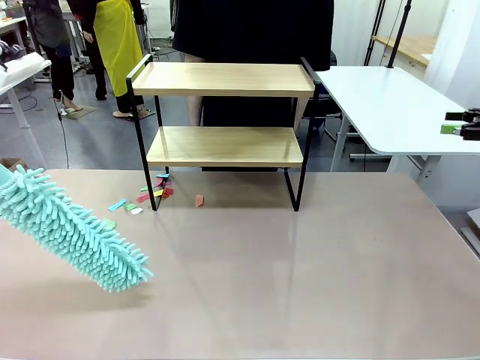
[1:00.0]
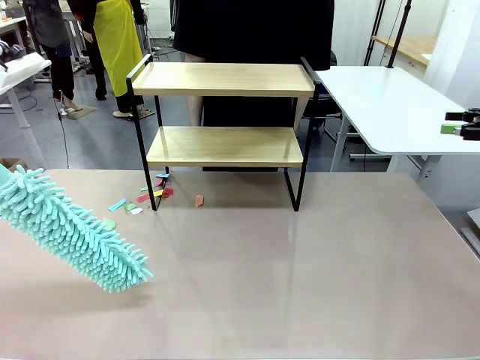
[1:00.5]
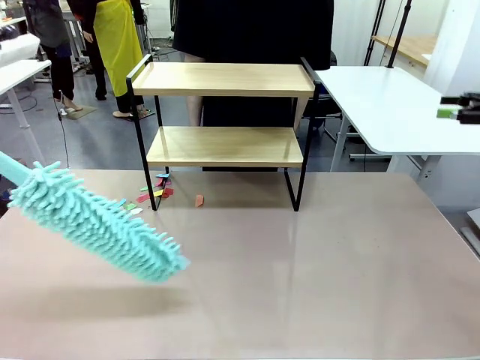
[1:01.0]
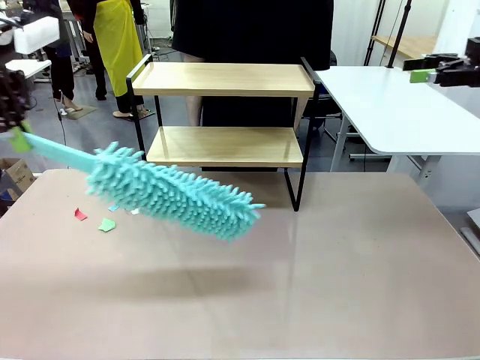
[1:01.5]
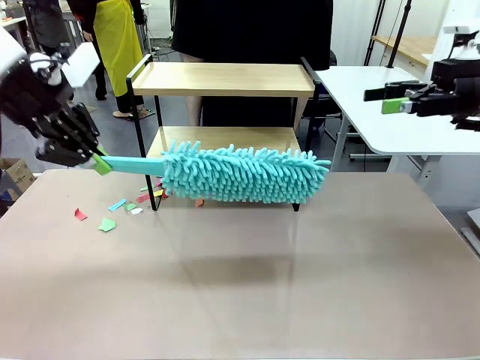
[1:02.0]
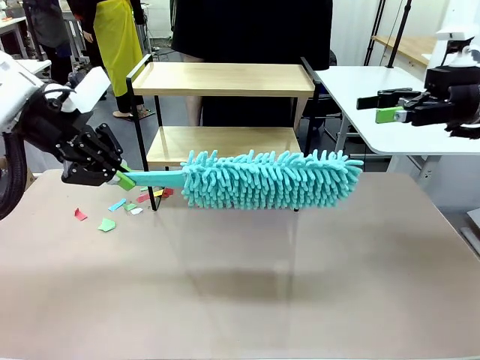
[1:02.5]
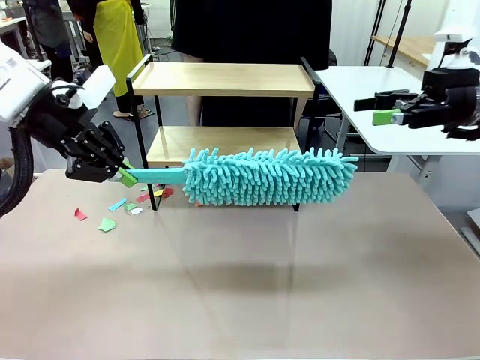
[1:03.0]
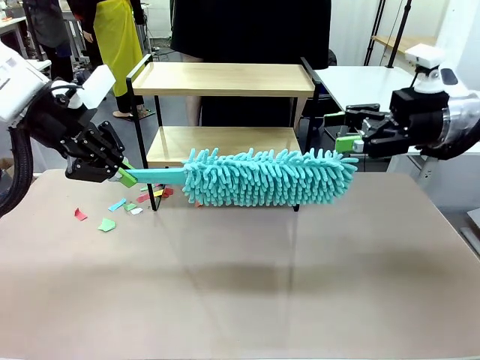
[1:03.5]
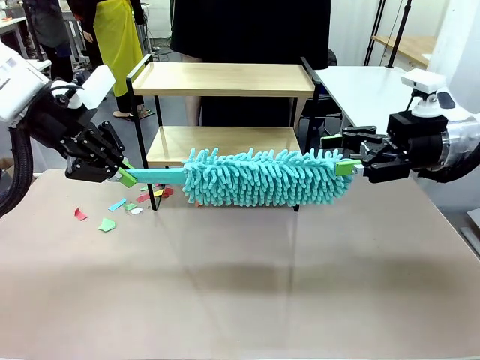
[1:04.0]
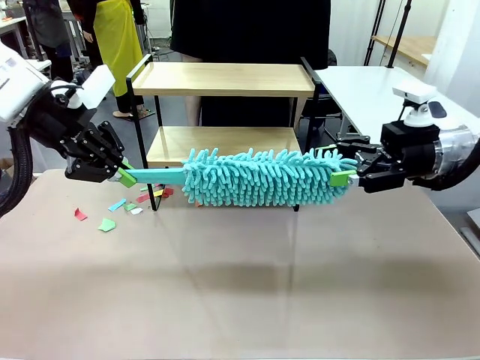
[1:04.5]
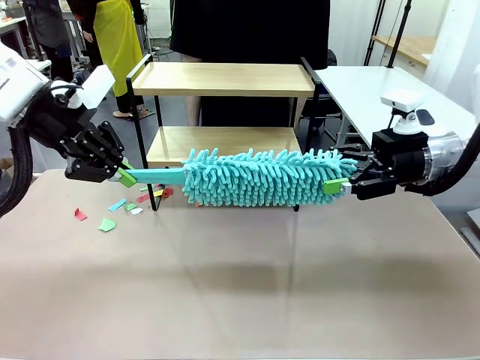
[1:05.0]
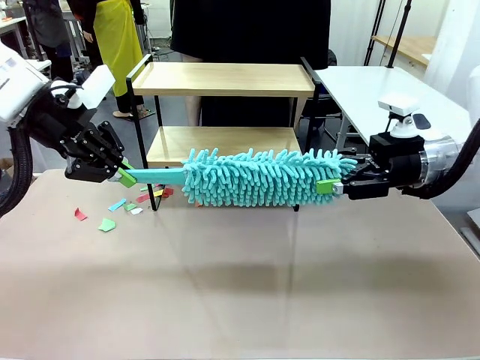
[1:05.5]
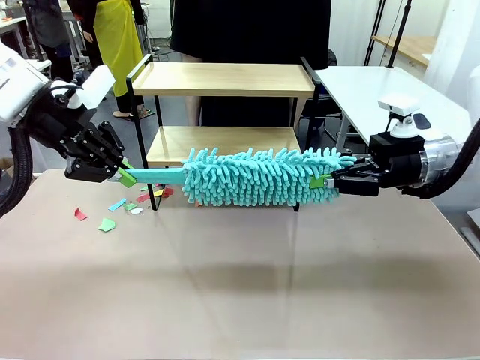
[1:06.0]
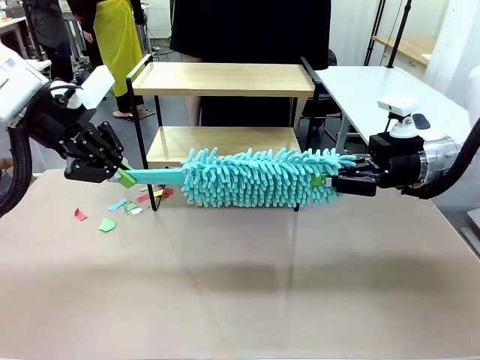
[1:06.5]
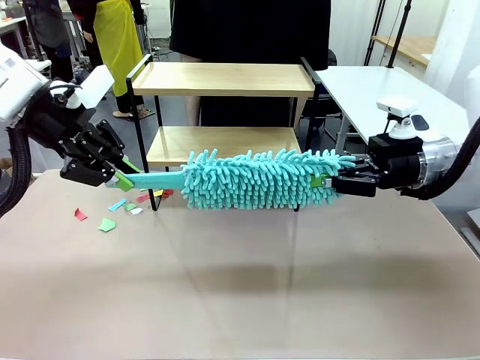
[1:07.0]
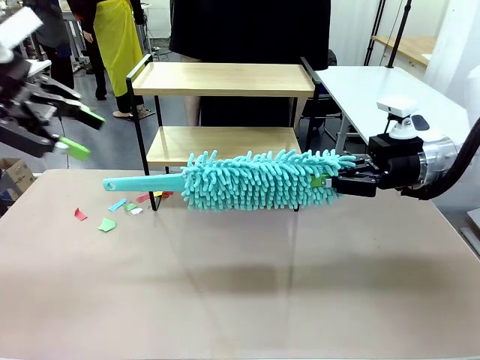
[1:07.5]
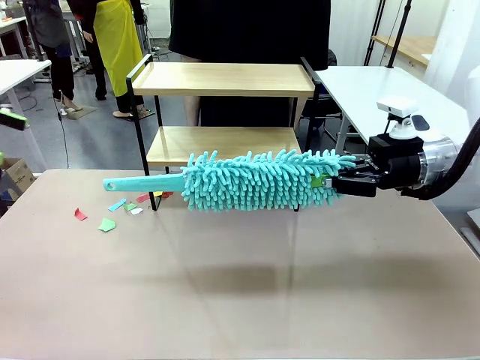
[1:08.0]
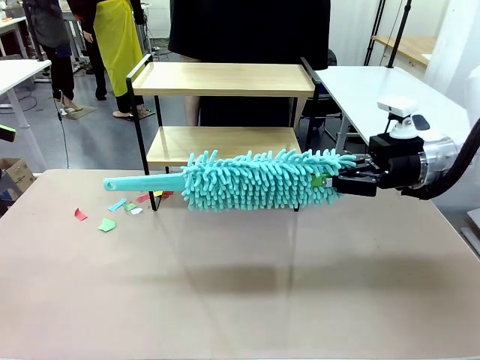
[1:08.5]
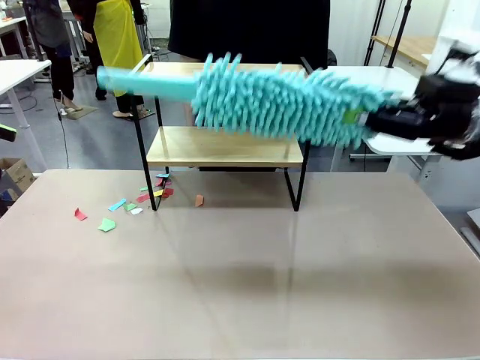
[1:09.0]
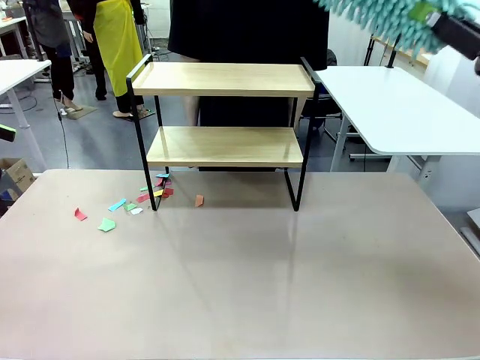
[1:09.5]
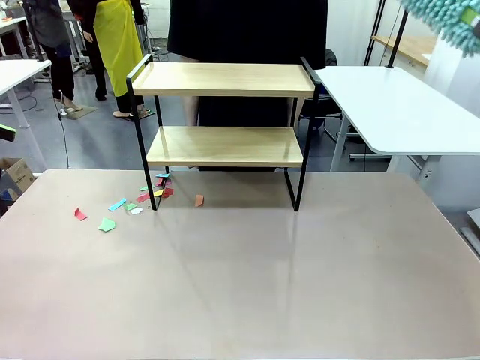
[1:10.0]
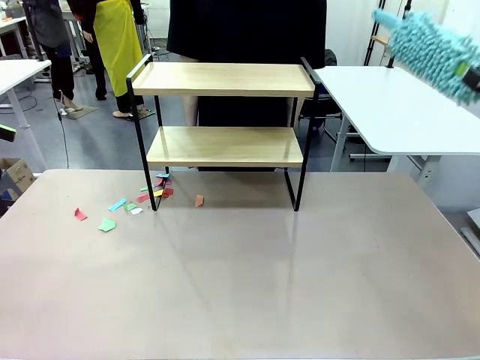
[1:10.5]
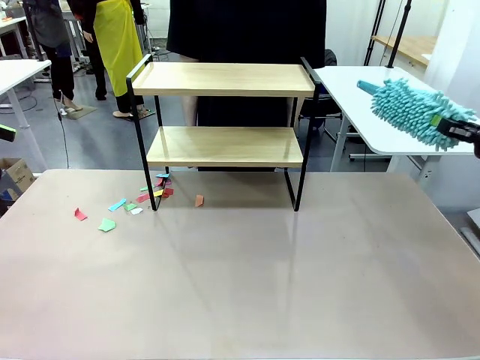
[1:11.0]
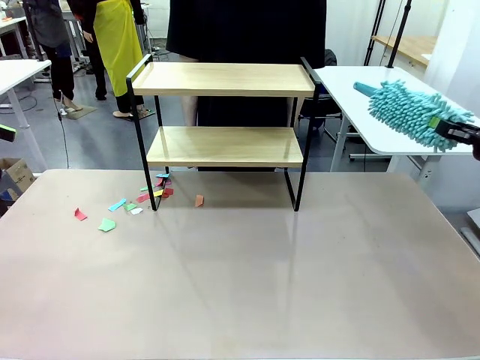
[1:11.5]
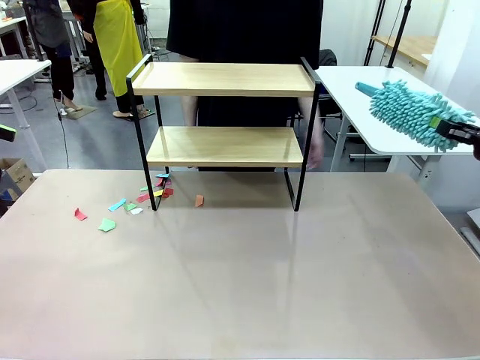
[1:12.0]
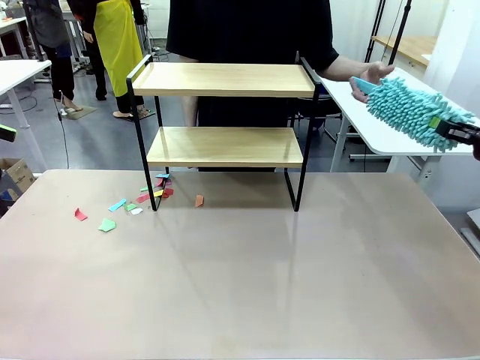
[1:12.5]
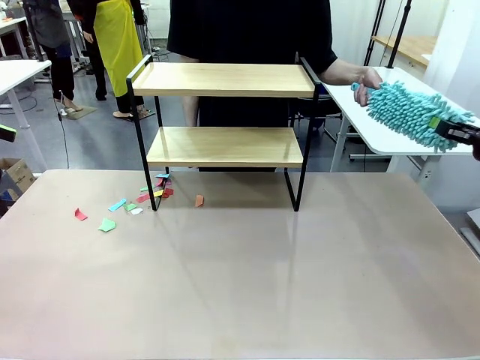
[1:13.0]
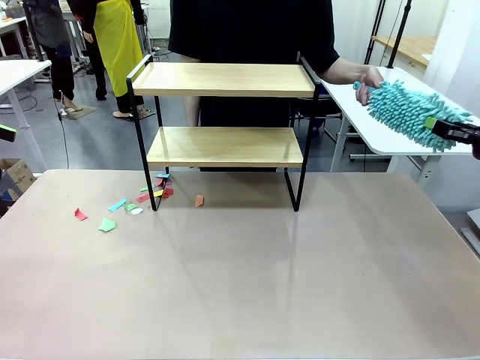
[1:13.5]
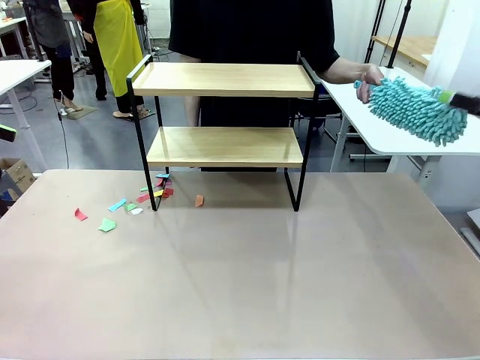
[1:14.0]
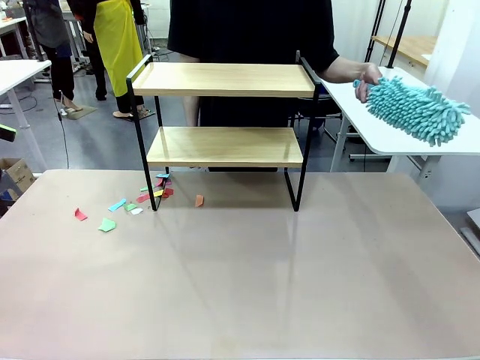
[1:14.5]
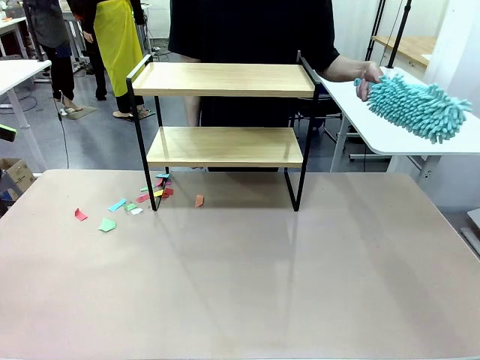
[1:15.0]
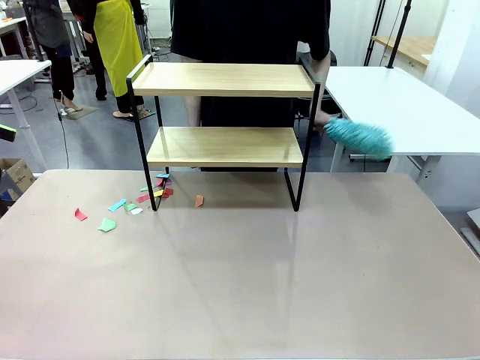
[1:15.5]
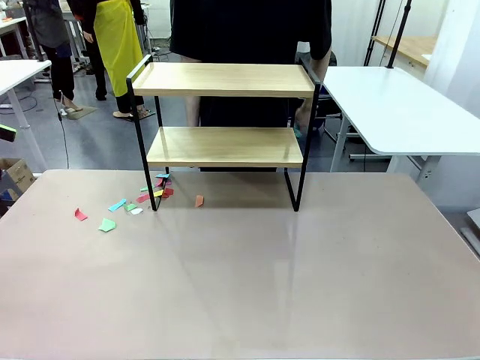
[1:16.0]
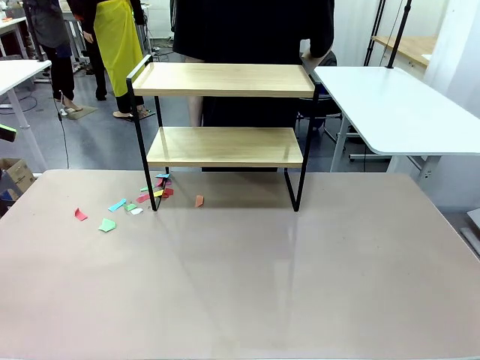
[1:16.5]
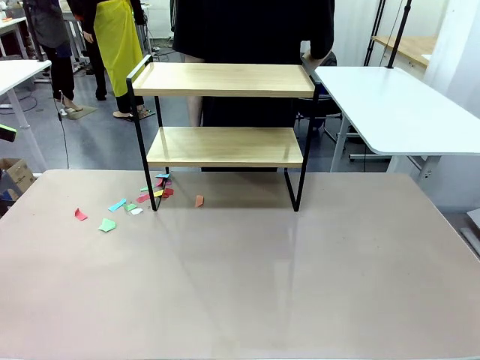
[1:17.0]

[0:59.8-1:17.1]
Task: Clean the shelf.
Robot: Hand the Duster back to the human.
Person: Receive the Duster from the robot.

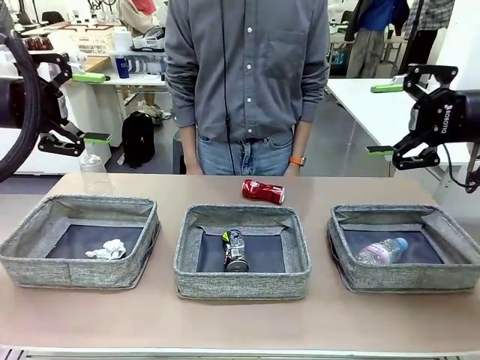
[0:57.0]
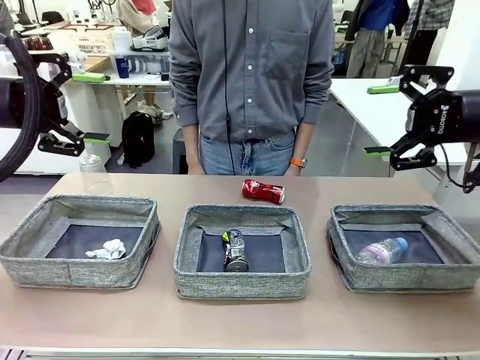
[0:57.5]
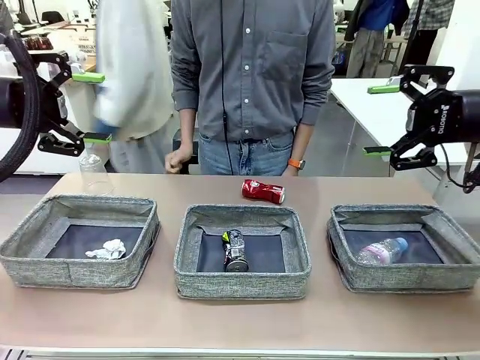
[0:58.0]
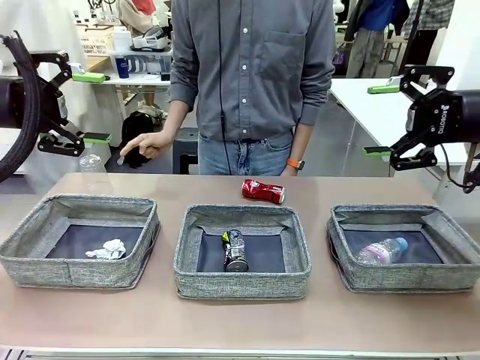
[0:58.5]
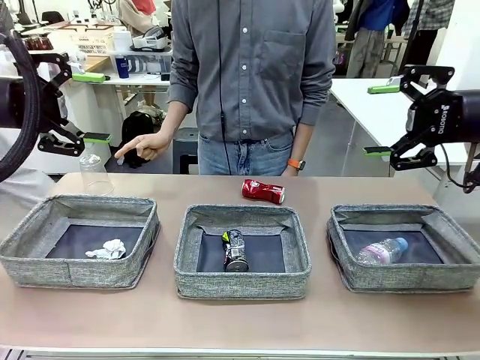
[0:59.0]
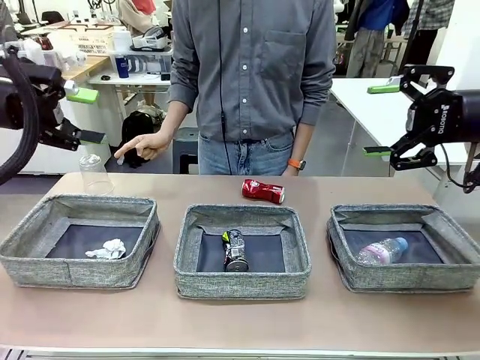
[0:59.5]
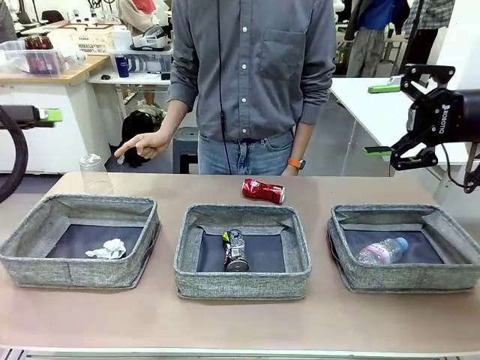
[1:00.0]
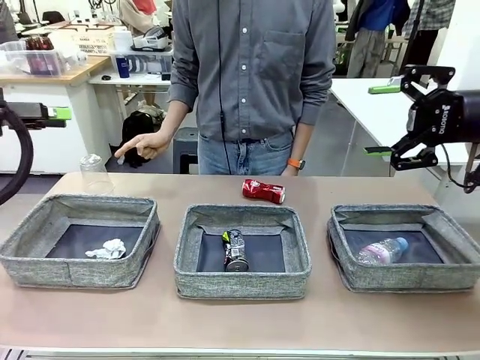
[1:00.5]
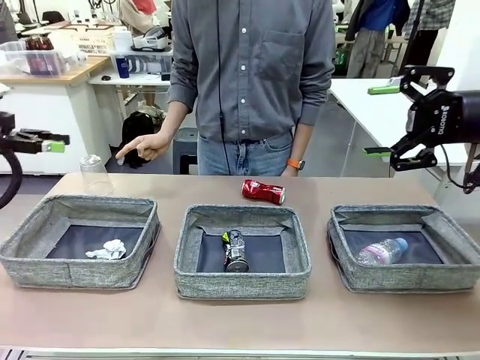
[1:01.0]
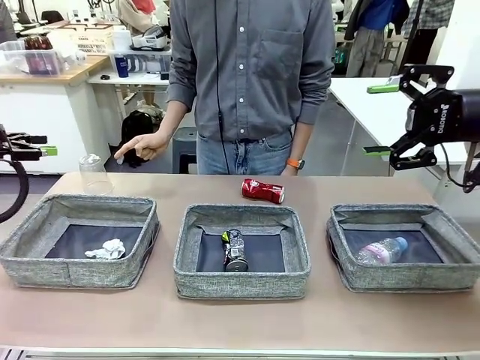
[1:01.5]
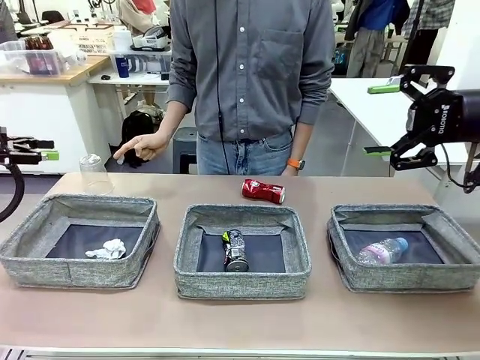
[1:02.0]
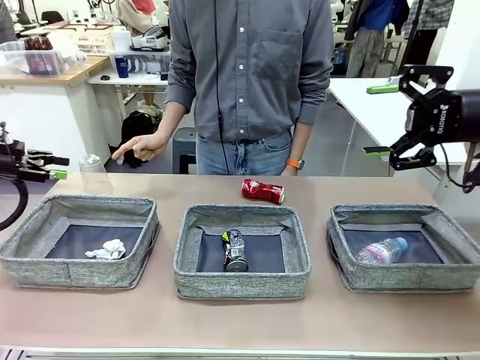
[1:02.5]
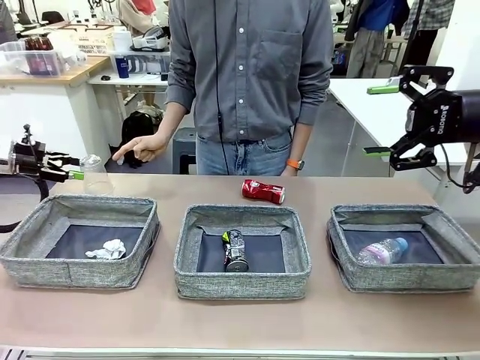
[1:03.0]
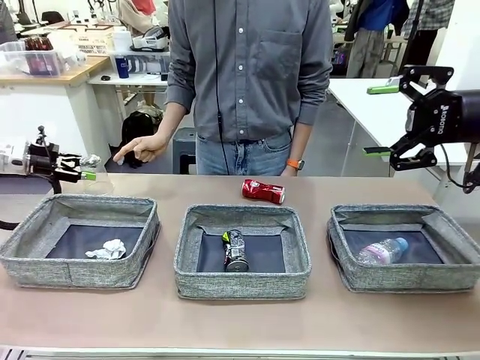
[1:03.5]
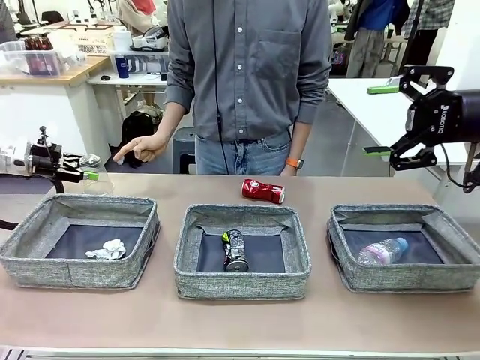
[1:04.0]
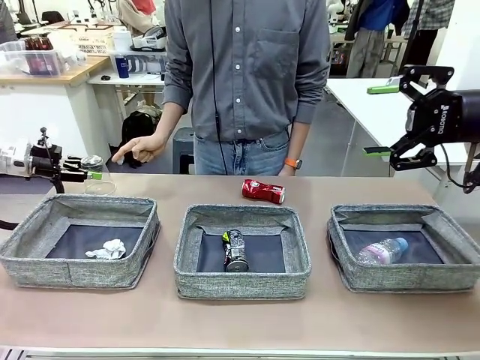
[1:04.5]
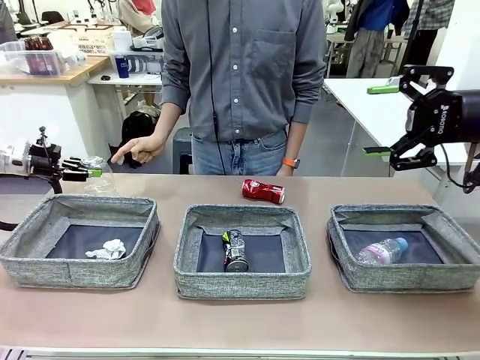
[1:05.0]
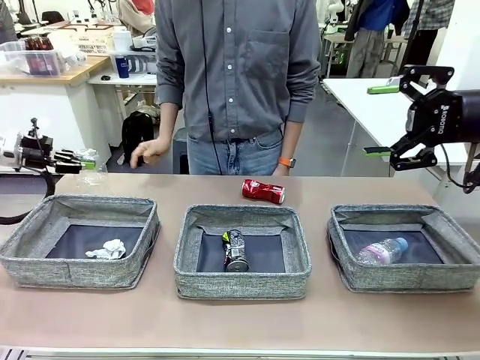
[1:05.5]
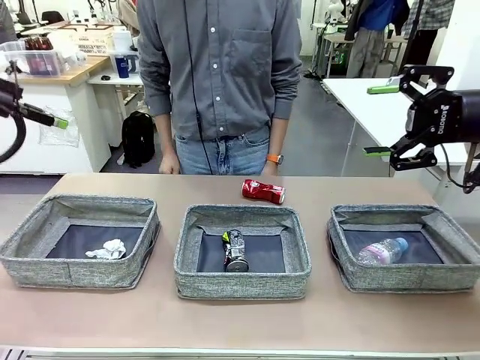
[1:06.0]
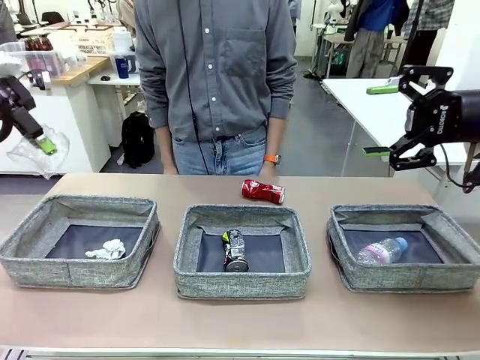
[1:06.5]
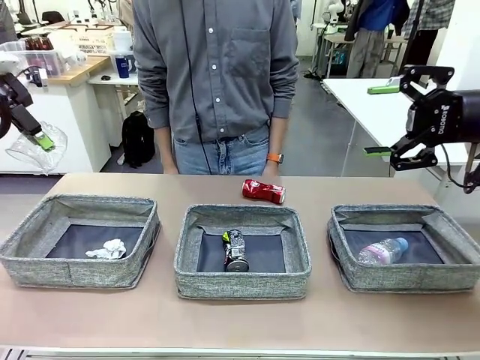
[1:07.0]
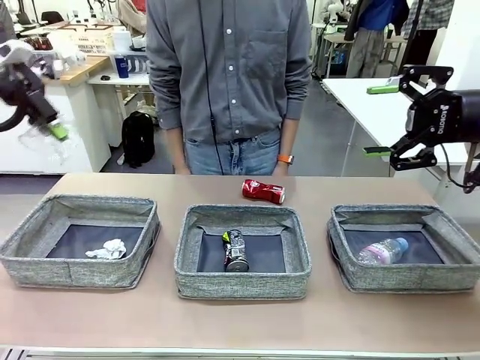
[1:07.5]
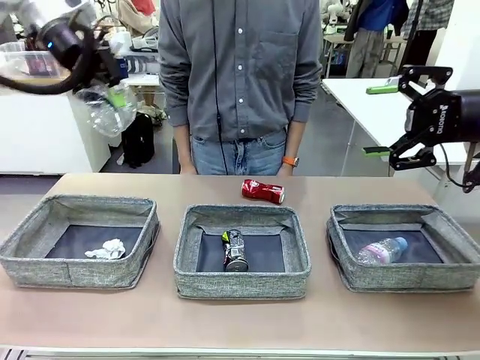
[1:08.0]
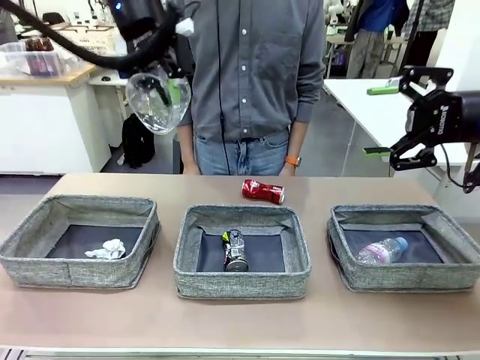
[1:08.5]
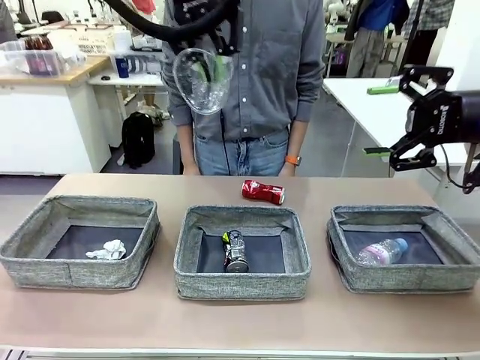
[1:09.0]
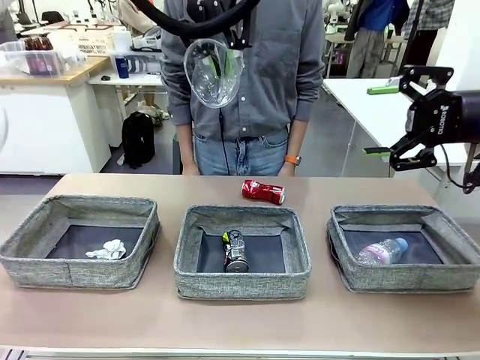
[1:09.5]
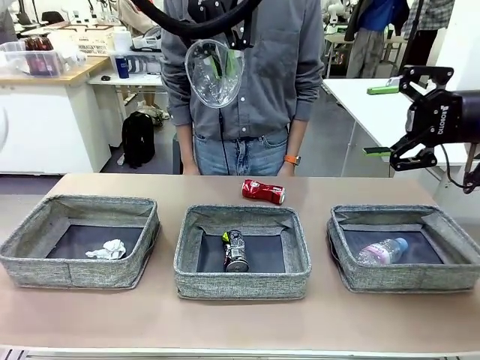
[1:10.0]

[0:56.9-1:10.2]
Task: Sort the waste into the appropriate baskets.
Robot: Pick up the waste item pointed out by the person.
Person: Points to one piece of trash on the table.
